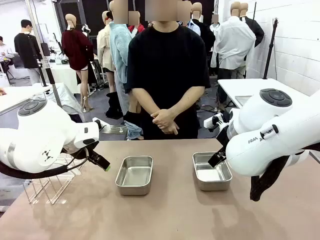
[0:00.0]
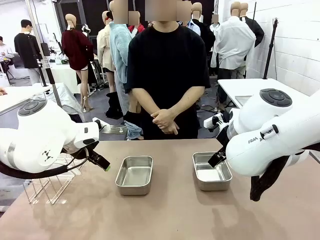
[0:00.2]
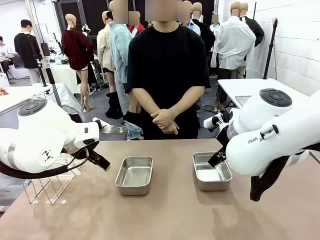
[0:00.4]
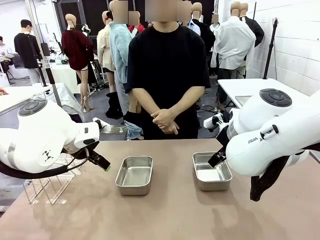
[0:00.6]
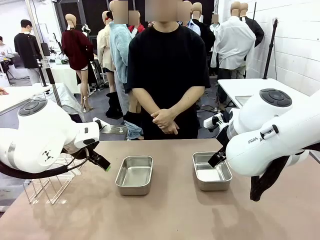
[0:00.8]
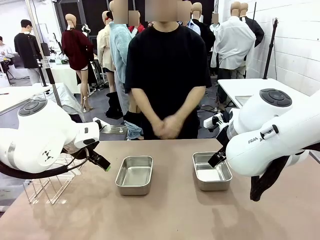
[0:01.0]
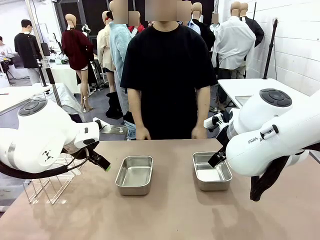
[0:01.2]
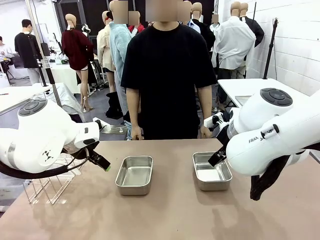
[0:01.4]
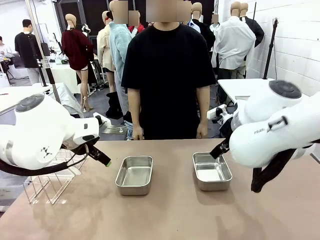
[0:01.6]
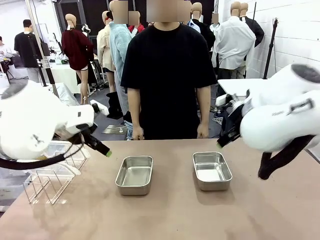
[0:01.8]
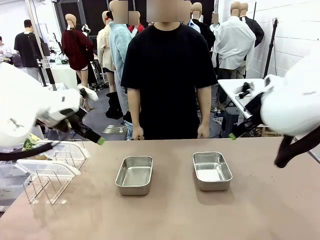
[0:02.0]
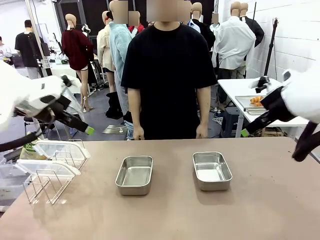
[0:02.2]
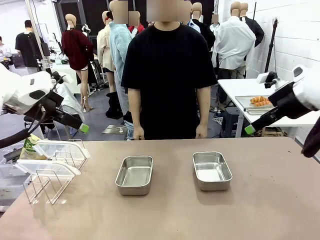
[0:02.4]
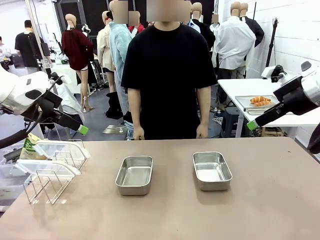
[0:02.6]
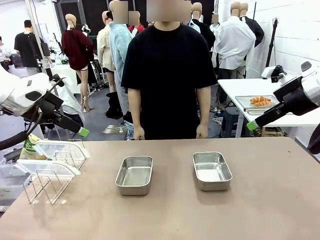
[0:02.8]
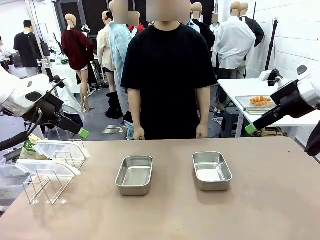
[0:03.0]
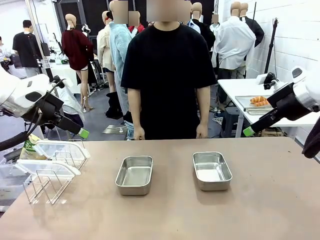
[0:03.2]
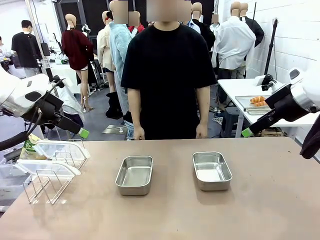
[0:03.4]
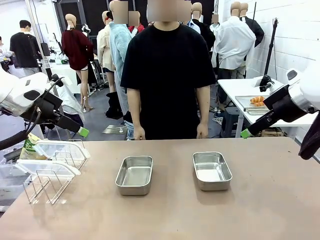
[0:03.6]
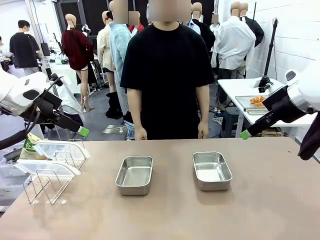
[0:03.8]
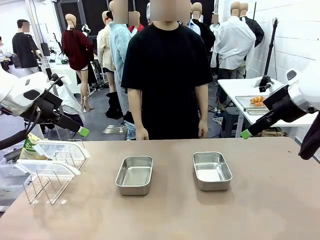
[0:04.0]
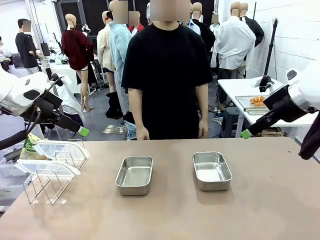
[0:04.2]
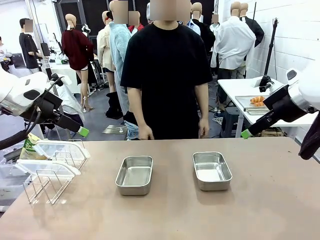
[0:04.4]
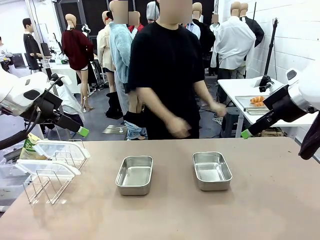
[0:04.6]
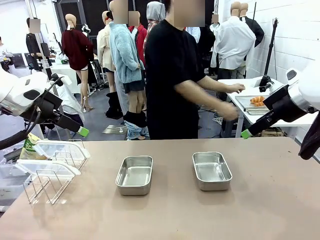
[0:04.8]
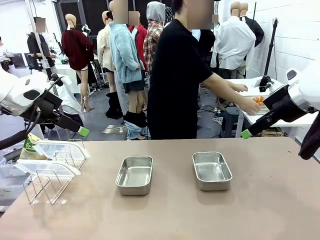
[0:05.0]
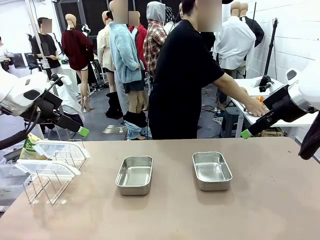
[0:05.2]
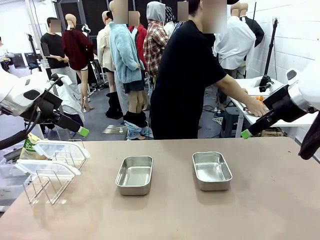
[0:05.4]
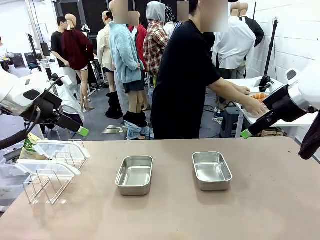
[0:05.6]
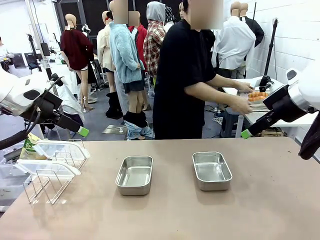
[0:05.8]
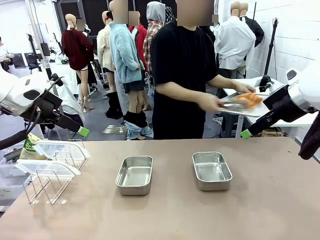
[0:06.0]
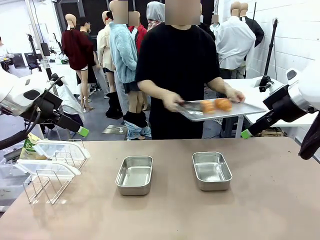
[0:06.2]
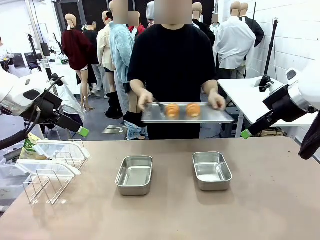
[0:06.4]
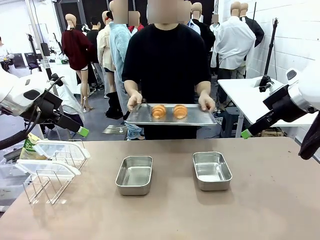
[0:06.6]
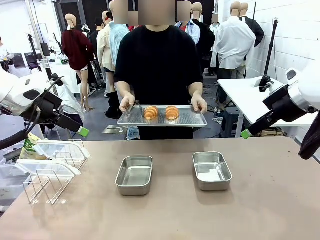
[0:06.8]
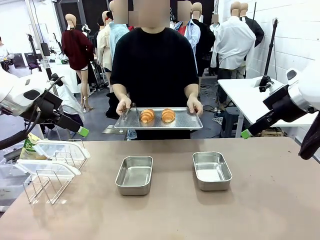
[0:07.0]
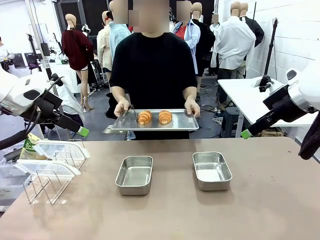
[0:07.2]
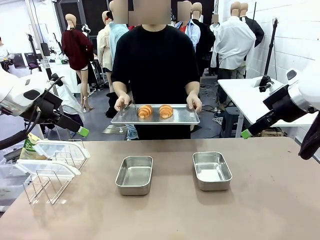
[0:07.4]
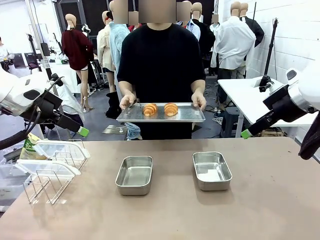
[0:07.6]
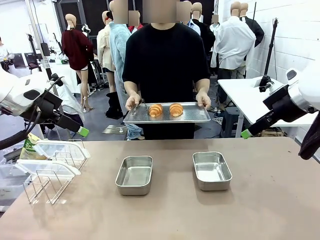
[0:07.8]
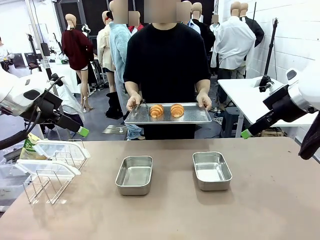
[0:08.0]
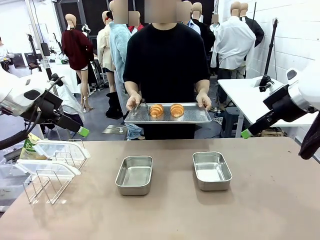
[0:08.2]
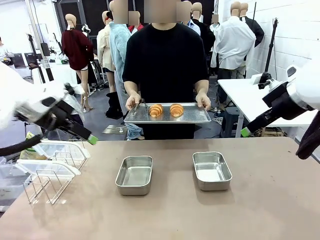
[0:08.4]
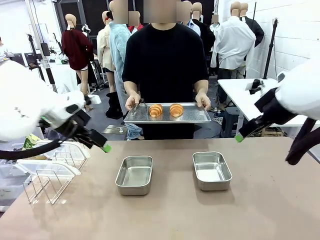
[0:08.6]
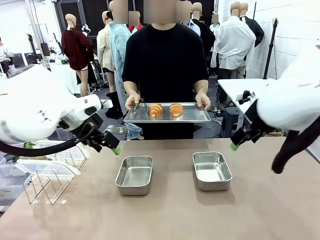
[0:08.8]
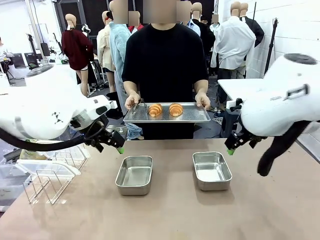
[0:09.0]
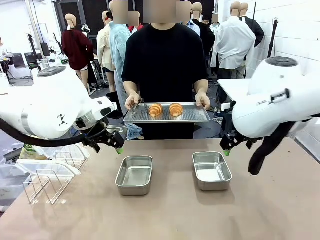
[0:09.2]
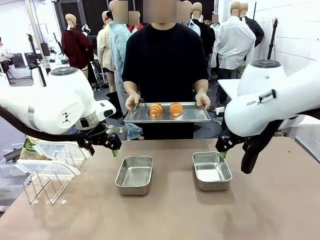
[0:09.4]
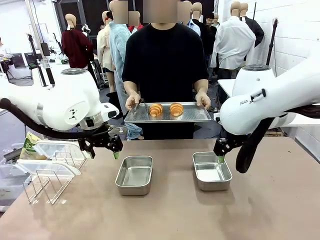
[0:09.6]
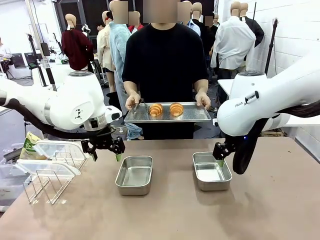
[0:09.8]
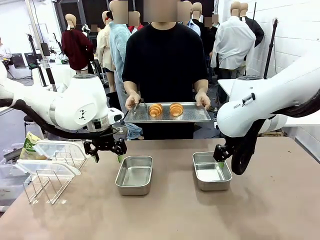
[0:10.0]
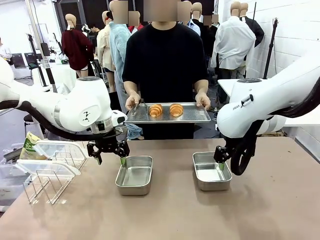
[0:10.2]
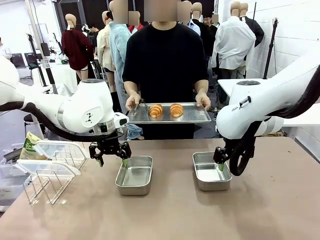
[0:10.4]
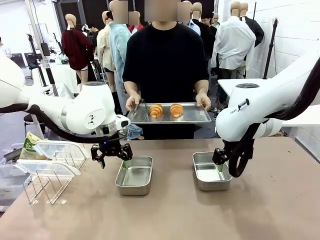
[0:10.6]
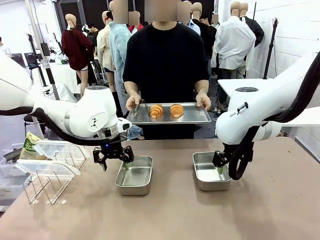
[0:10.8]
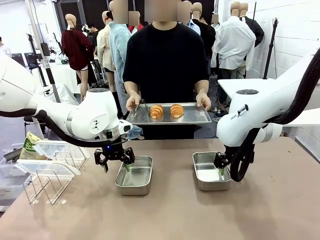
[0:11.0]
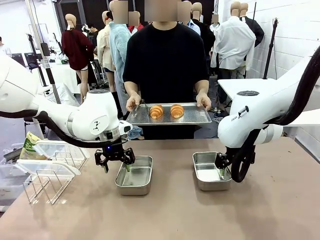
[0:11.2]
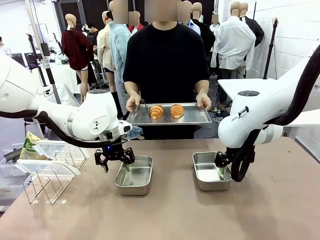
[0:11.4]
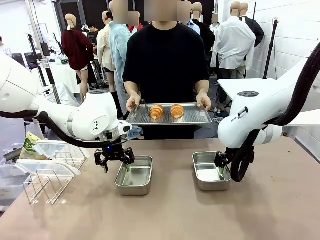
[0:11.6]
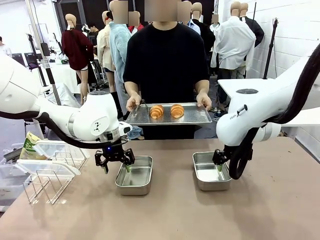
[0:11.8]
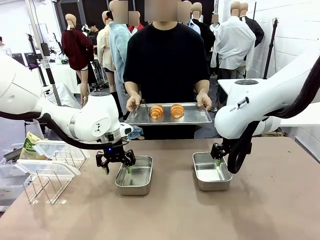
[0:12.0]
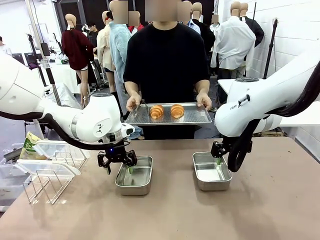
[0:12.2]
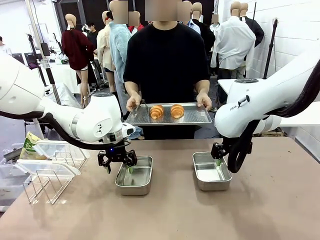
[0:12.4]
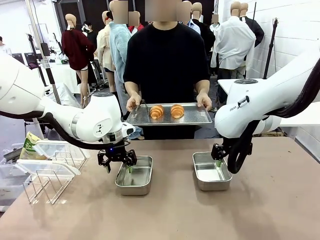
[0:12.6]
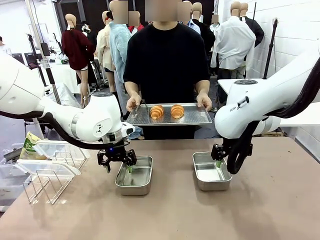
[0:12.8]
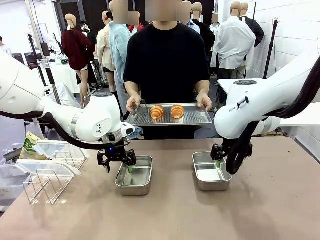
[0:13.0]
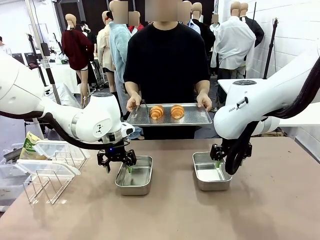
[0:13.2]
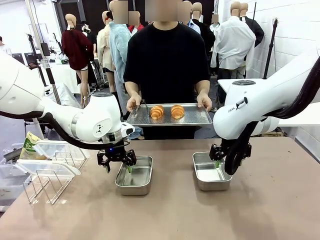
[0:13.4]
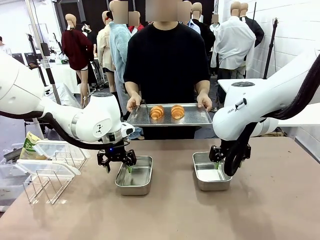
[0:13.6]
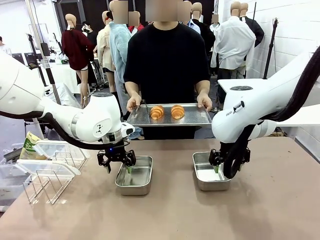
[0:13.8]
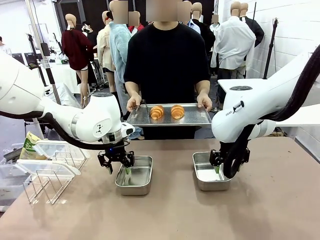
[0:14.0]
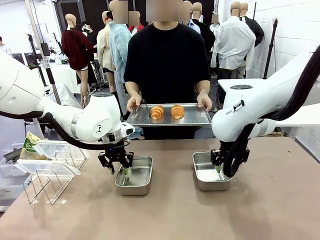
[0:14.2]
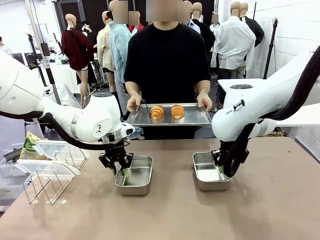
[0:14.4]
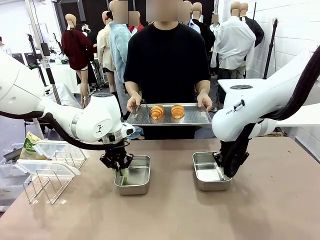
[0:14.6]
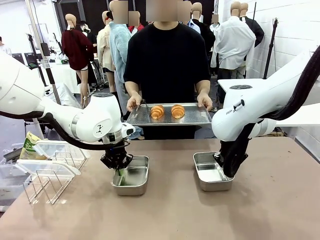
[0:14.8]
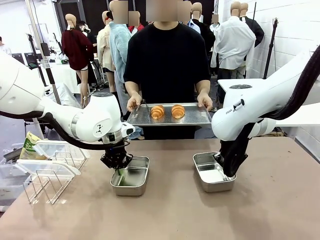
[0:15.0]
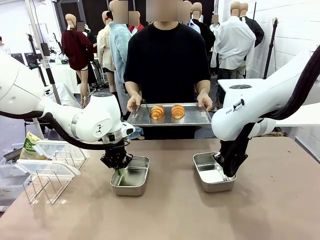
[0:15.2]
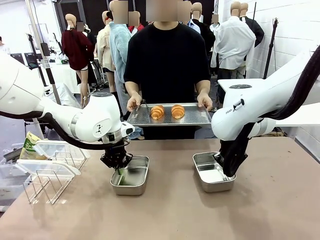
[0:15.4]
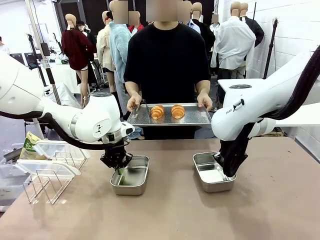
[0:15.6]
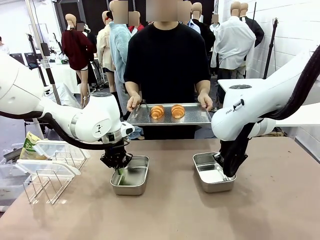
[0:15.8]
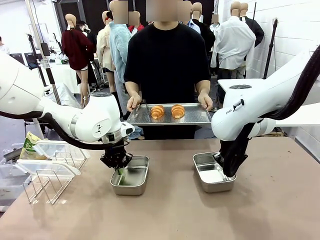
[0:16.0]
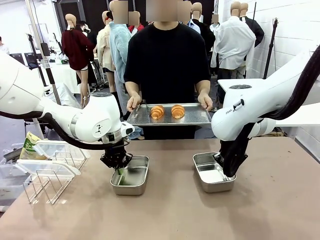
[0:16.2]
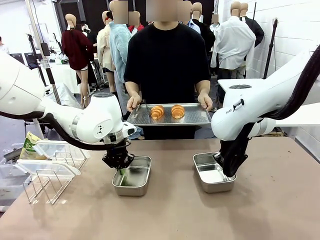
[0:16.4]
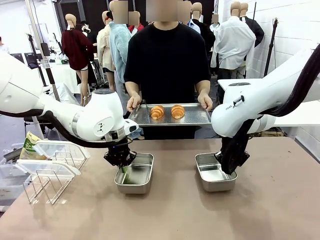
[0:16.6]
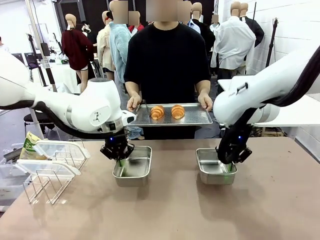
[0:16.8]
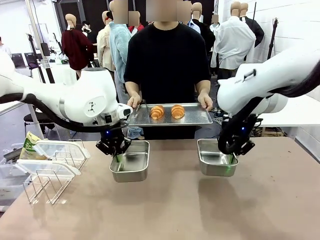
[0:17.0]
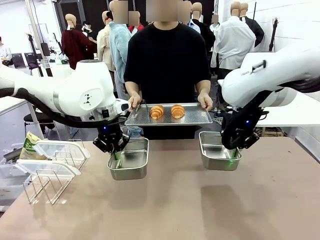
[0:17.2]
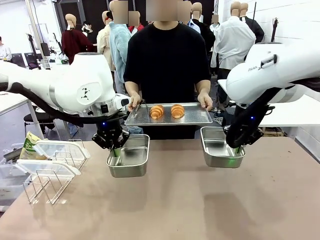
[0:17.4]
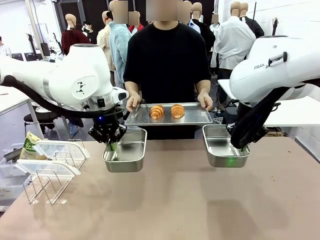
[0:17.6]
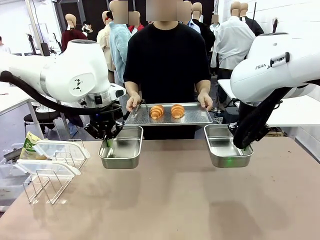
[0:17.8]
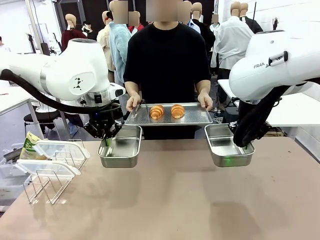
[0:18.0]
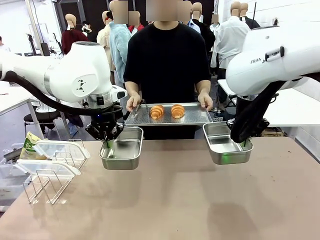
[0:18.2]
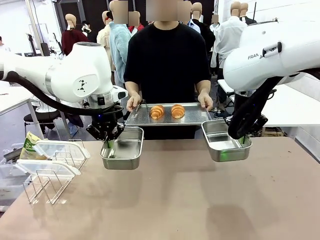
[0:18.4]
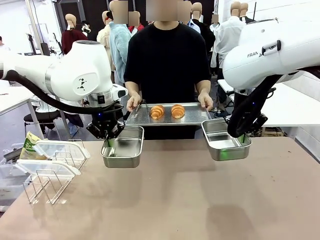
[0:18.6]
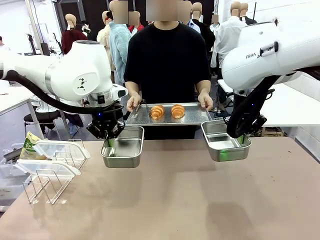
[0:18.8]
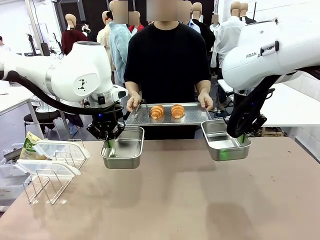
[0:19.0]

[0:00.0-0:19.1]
Task: Place the bread in airtight containers.
Robot: Lift both Airtight Container.
Person: Bring the Baking Sheet in front of Robot's Table.
